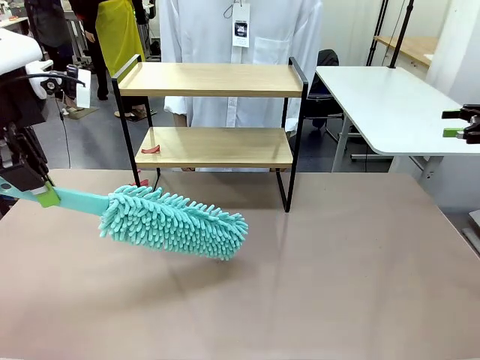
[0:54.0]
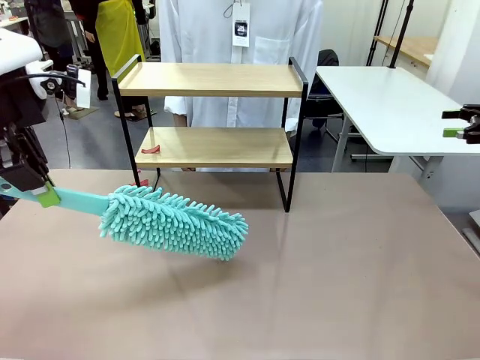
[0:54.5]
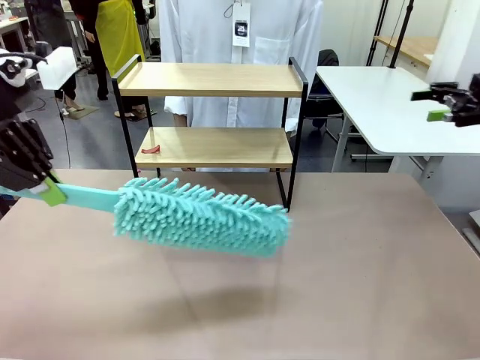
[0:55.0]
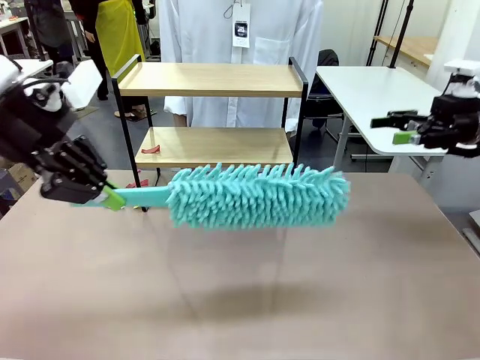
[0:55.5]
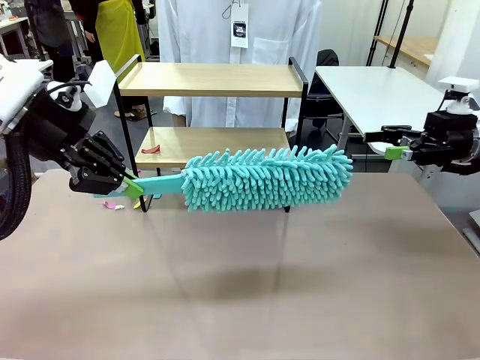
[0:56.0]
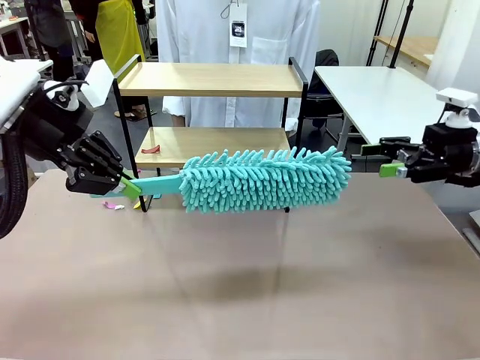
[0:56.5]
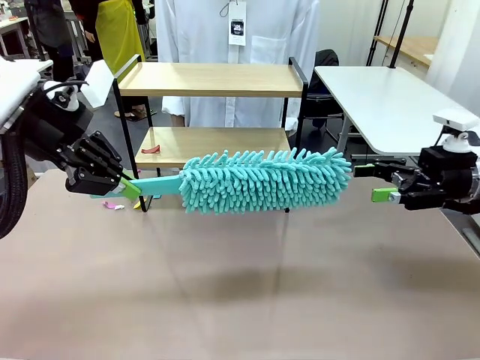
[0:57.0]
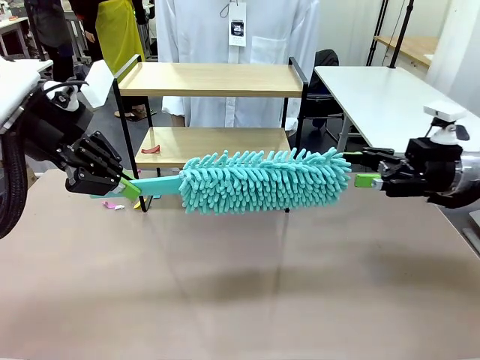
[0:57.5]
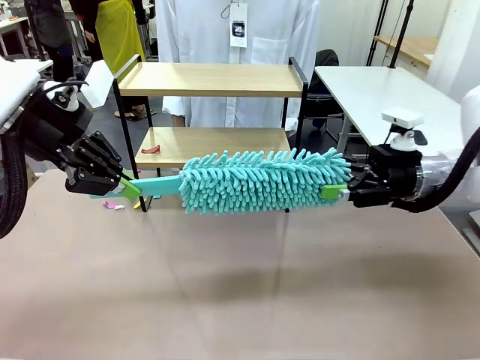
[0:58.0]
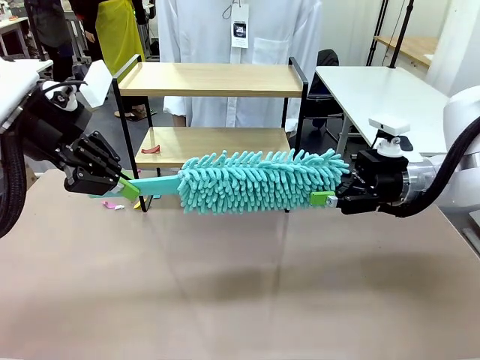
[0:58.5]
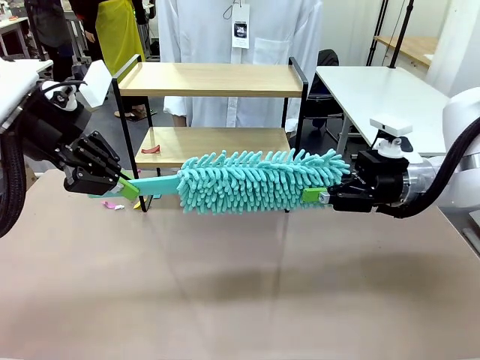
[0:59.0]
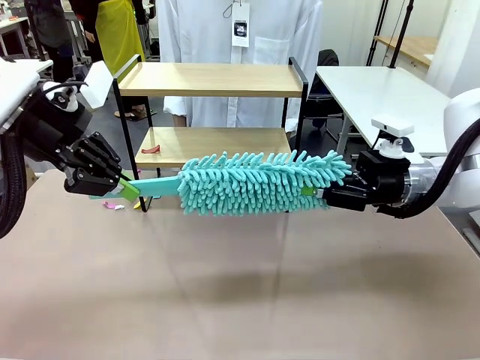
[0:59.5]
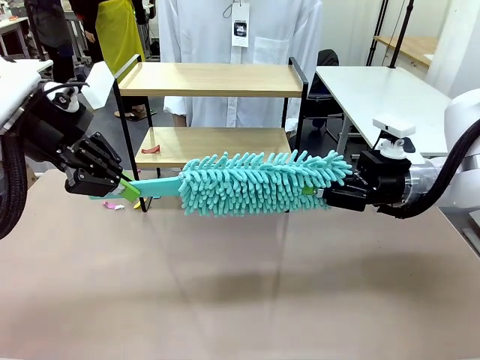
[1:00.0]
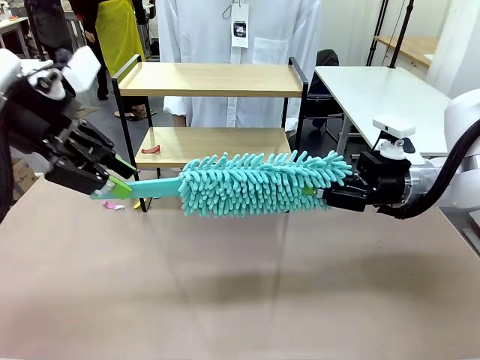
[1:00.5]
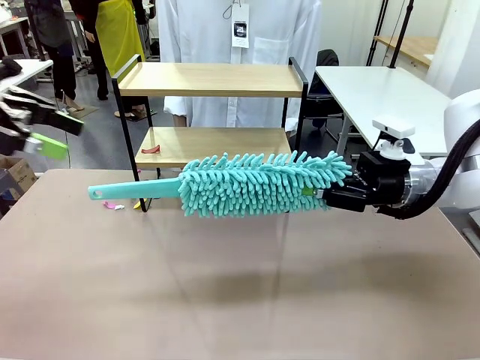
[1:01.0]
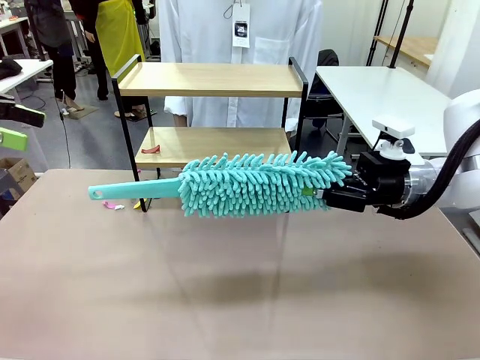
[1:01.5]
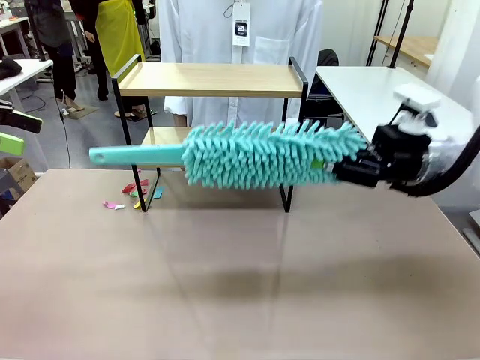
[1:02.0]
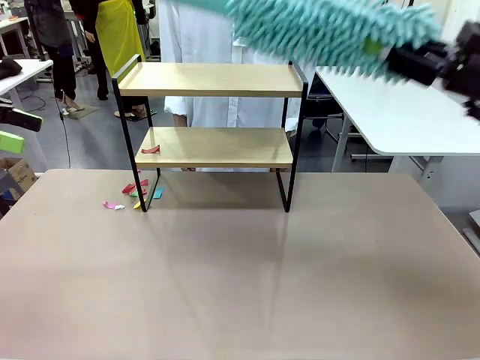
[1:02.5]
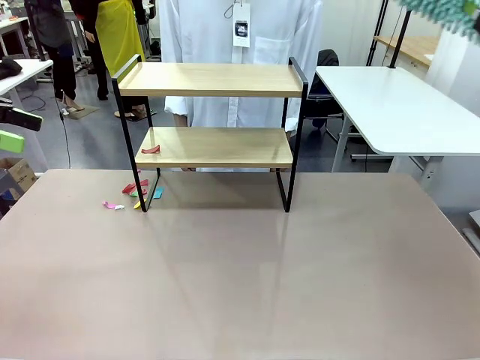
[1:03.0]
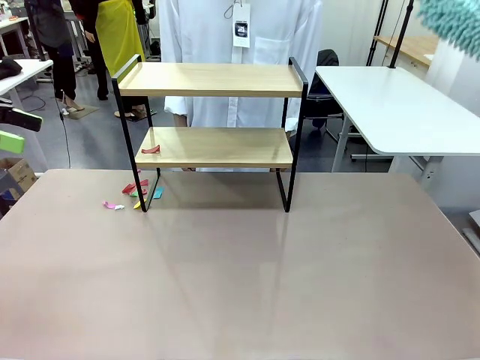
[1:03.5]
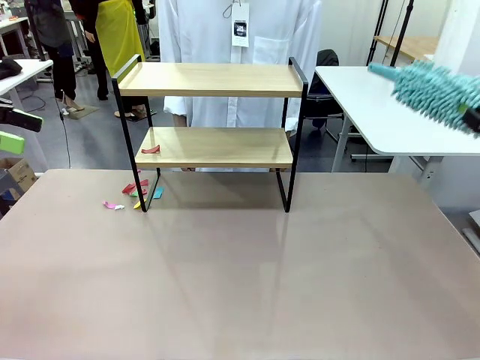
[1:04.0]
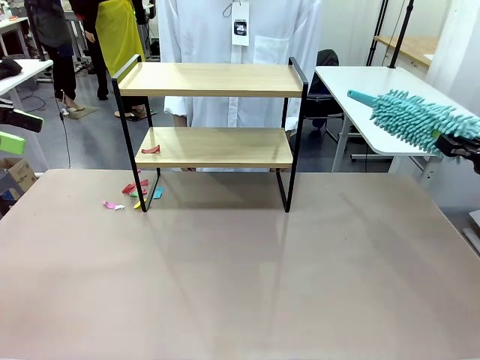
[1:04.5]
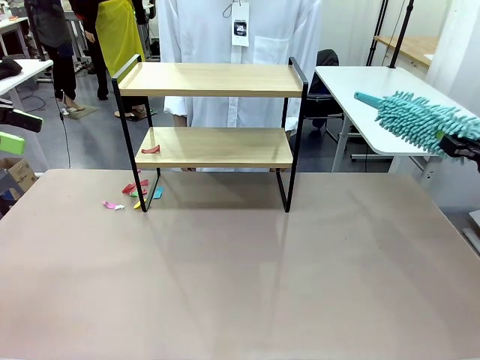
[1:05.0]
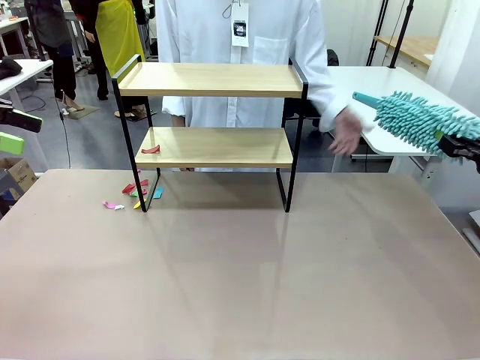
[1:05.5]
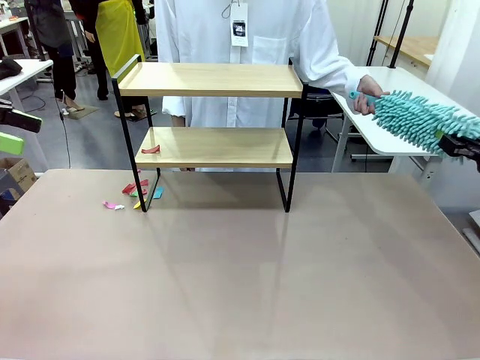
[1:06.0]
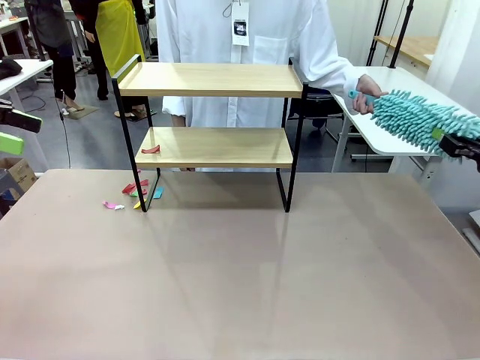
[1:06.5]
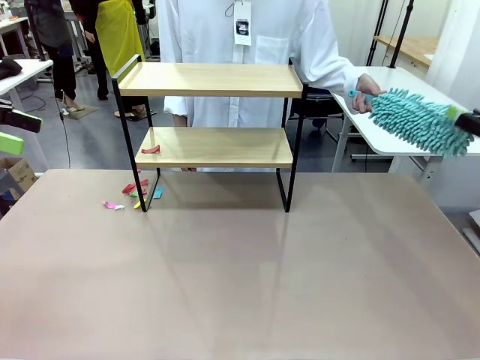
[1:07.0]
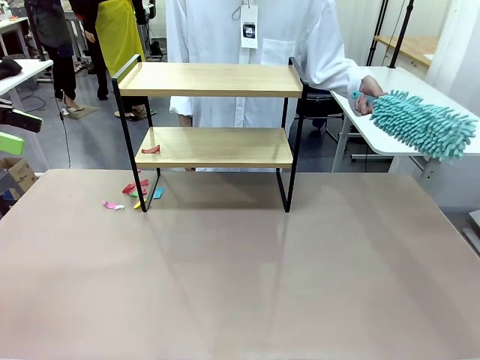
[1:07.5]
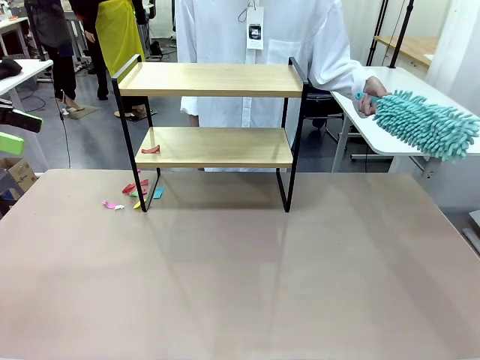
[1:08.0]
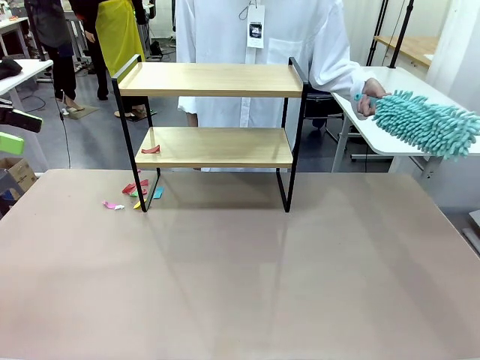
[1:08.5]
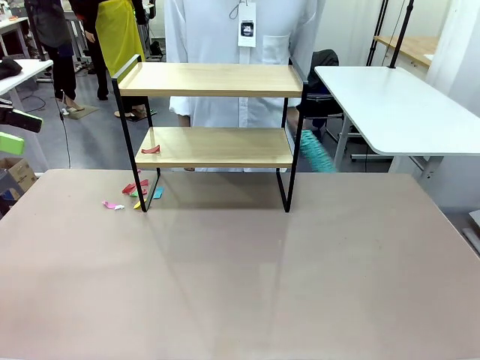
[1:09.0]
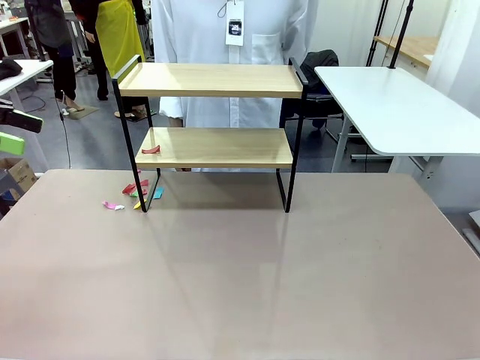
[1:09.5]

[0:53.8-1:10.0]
Task: Clean the shelf.
Robot: Hand the Duster back to the human.
Person: Receive the Duster from the robot.

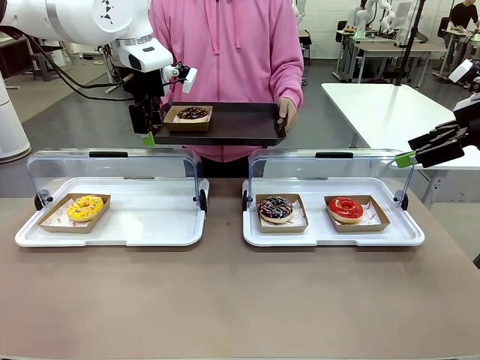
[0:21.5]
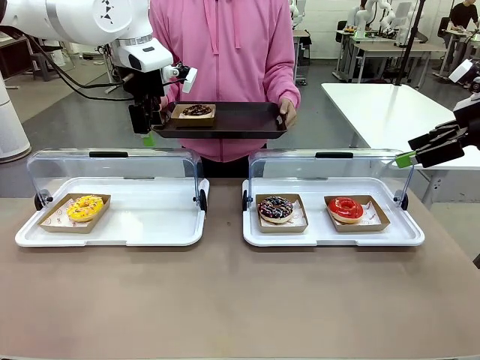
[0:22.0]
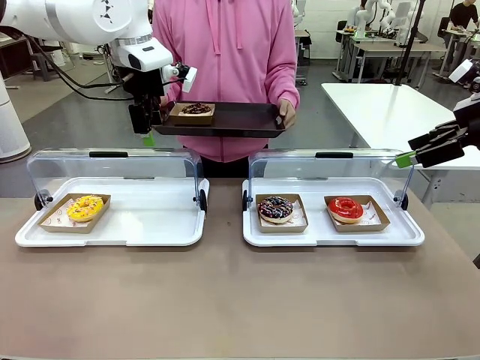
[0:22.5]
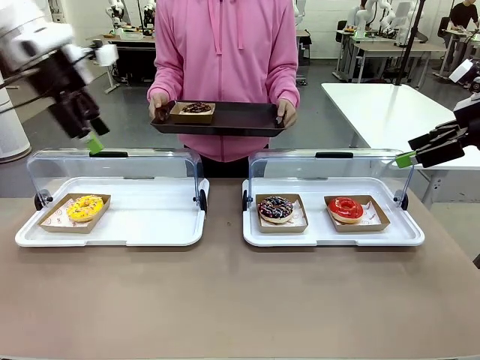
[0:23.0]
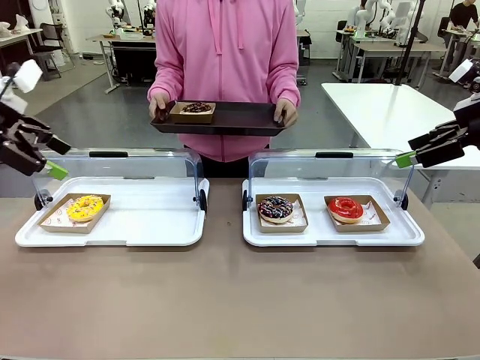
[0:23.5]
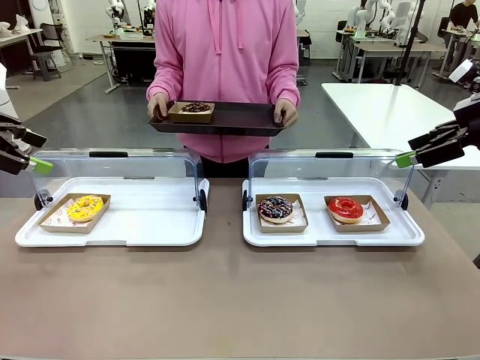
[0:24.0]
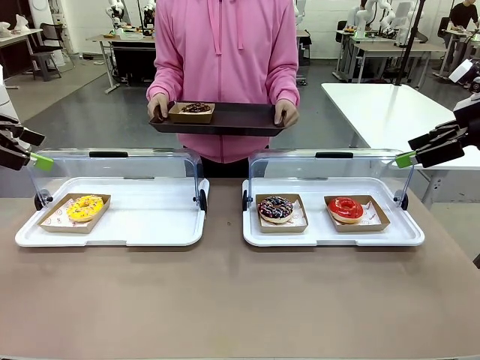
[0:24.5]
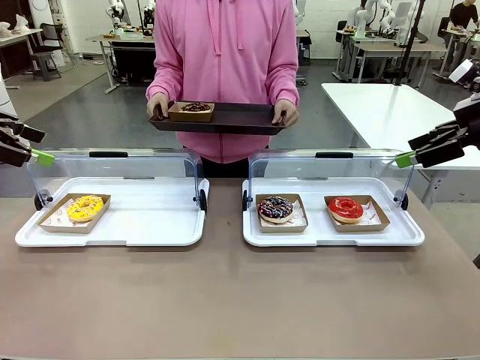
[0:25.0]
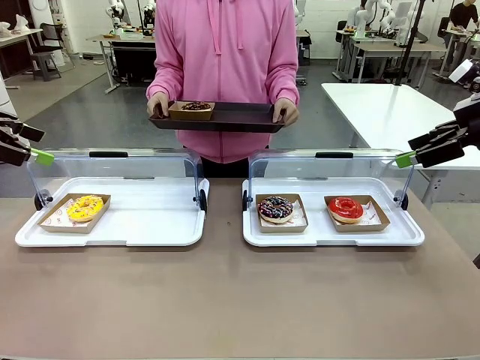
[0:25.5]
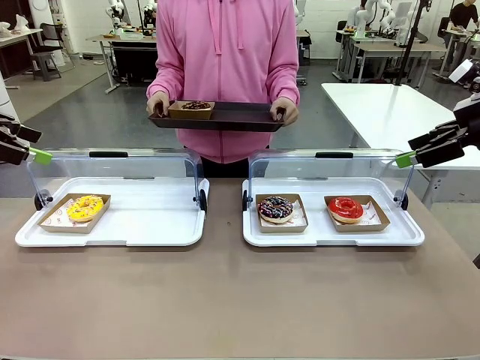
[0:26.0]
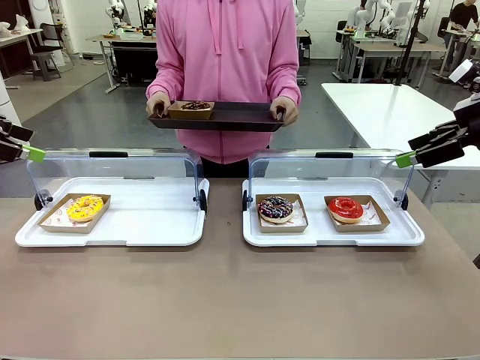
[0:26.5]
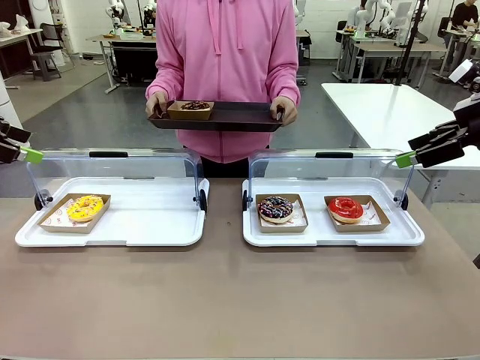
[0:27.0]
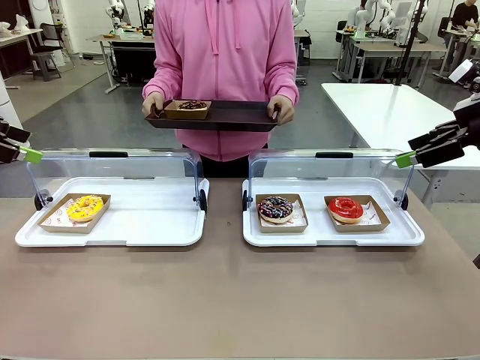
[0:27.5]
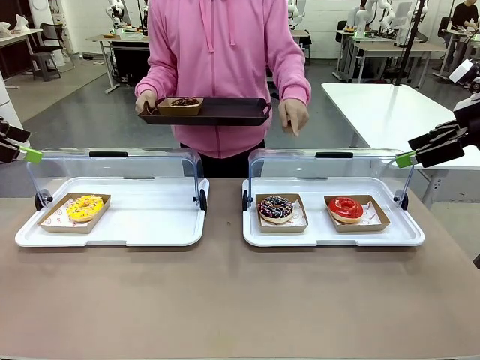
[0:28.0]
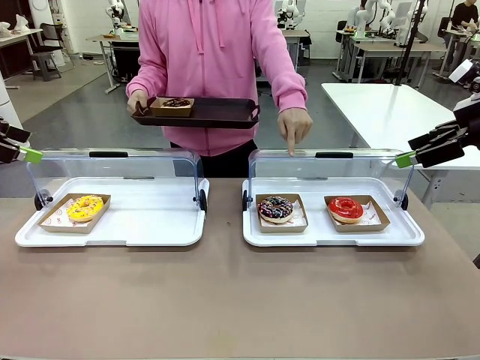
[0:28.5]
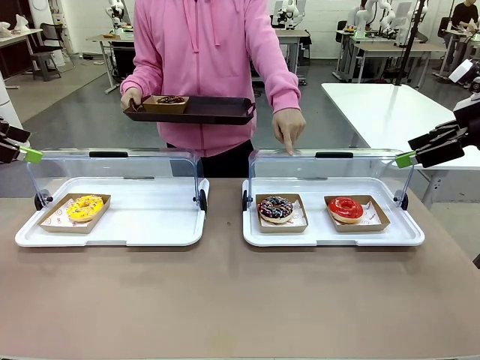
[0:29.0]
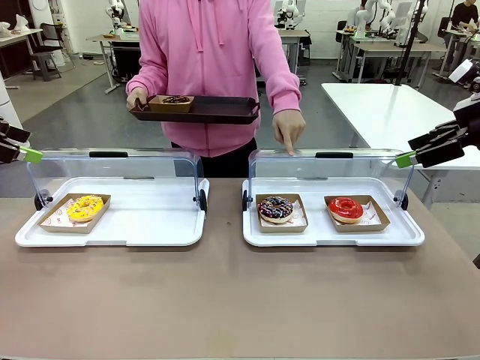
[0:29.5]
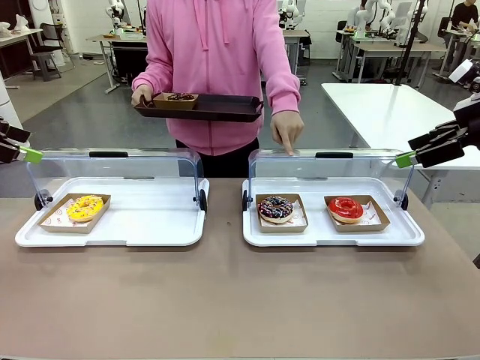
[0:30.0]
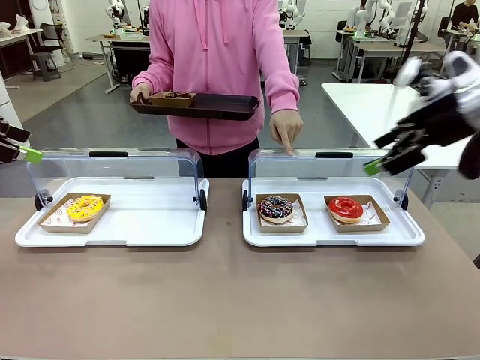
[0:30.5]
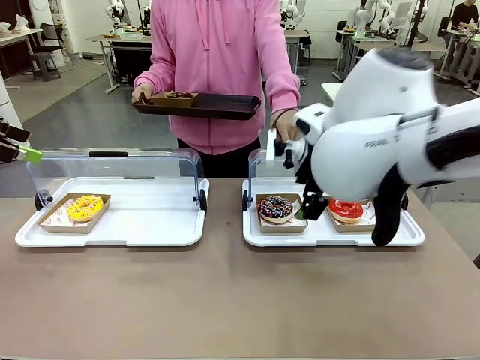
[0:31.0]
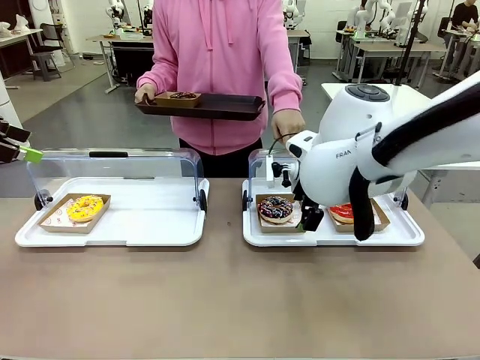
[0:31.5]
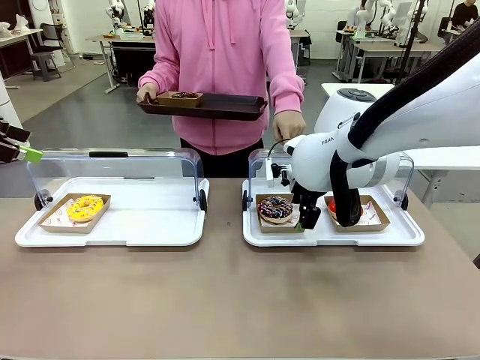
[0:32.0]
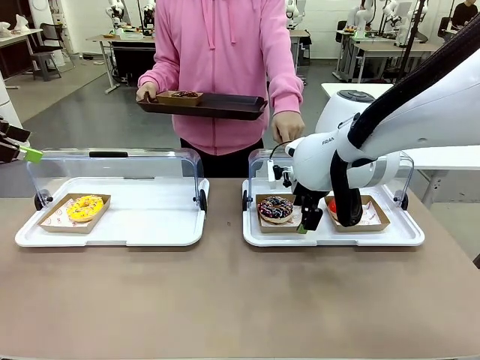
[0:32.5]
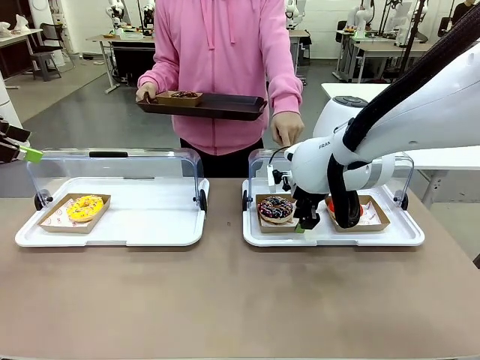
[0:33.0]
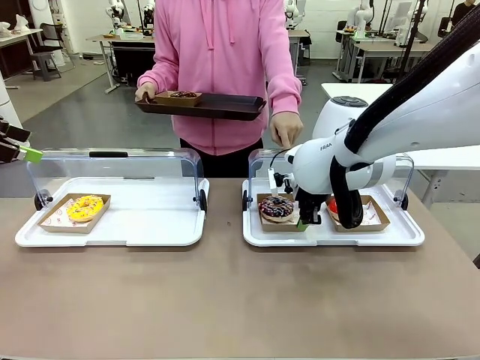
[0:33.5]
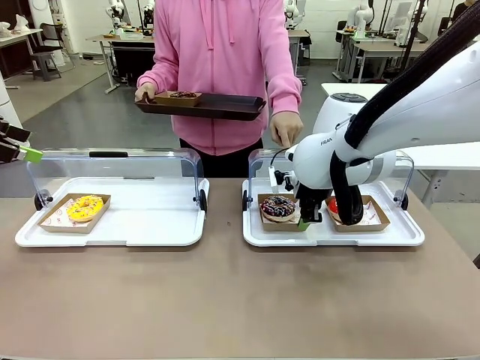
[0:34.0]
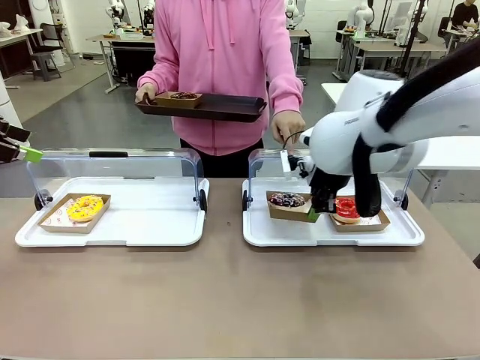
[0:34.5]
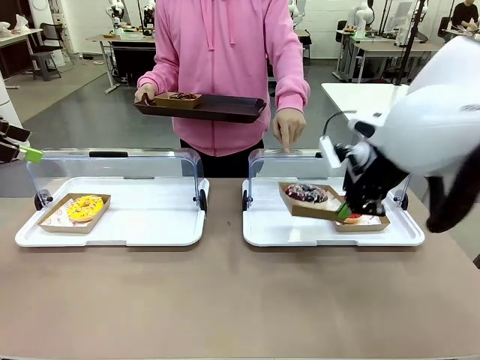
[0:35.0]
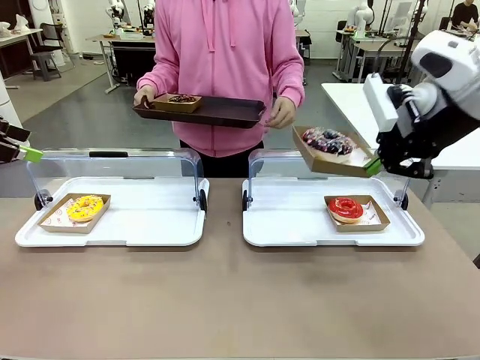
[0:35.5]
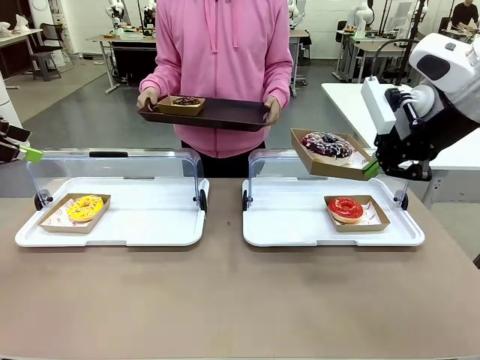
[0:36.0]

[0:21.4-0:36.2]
Task: Provide the desired donut to the person.
Robot: Pick up and lift the Paper togo box containing the Donut pointed at by the person.
Person: Point to one donut. Lift the tray onto the Roll-Top Bakery Case.
